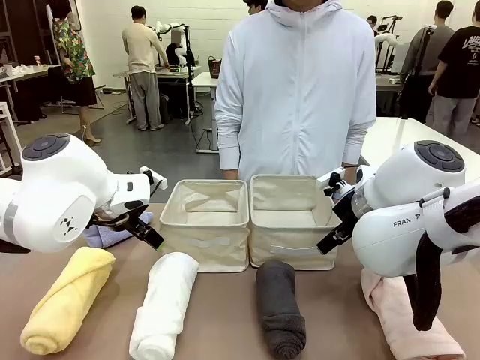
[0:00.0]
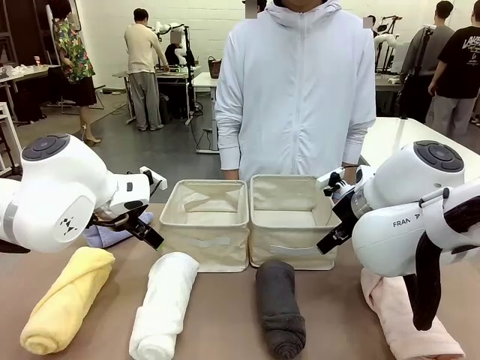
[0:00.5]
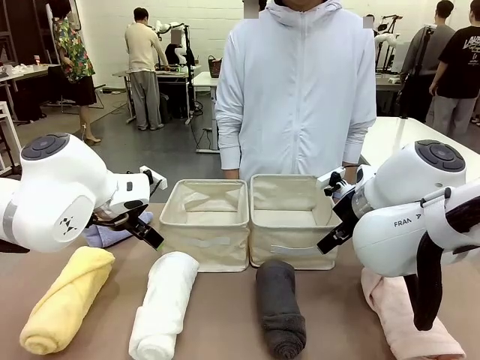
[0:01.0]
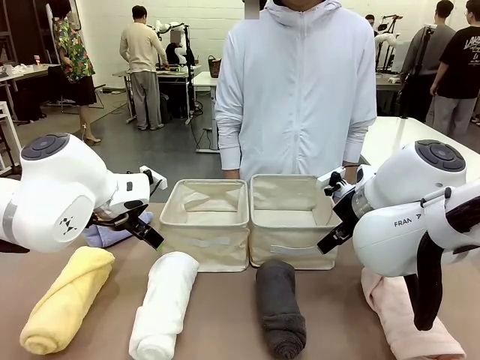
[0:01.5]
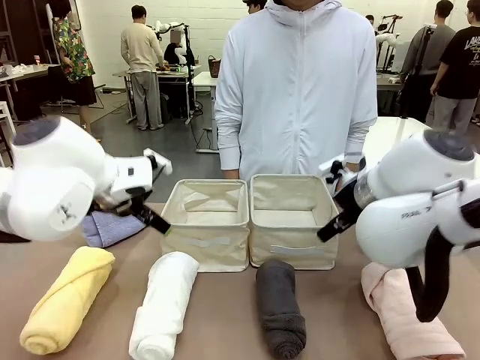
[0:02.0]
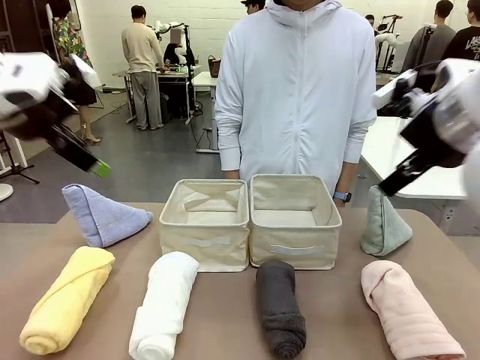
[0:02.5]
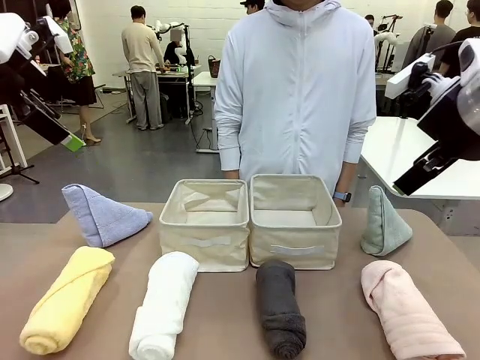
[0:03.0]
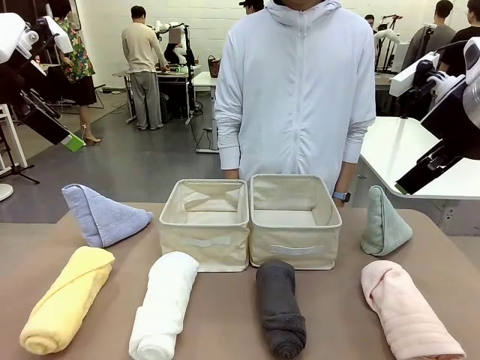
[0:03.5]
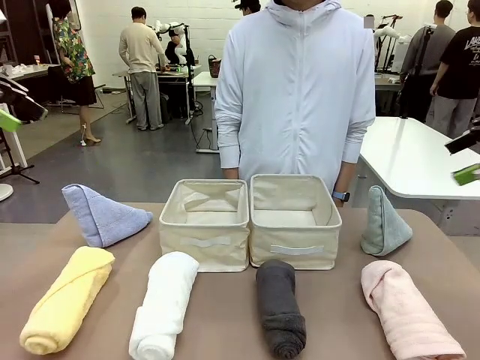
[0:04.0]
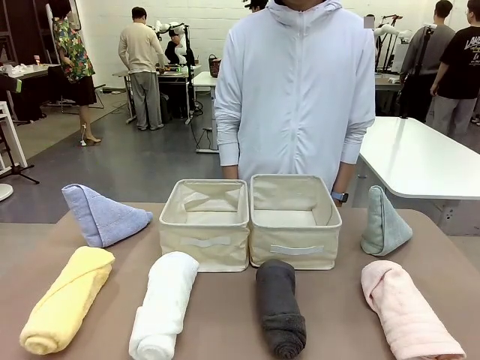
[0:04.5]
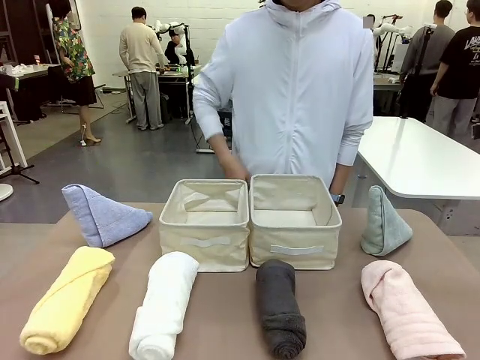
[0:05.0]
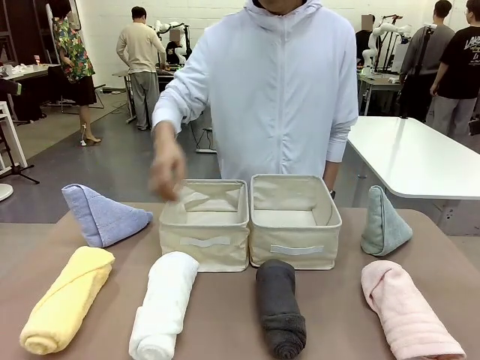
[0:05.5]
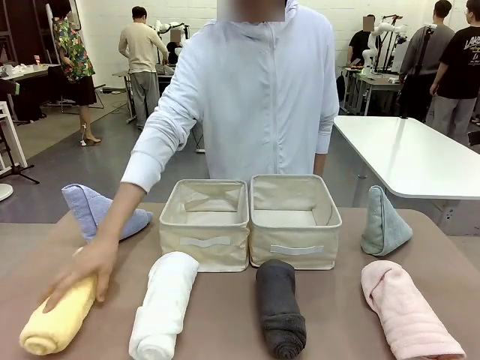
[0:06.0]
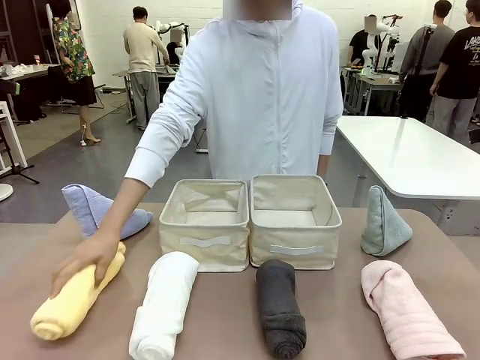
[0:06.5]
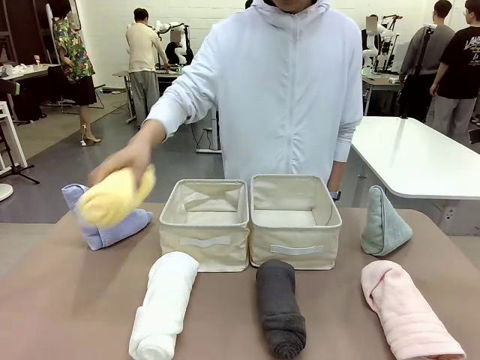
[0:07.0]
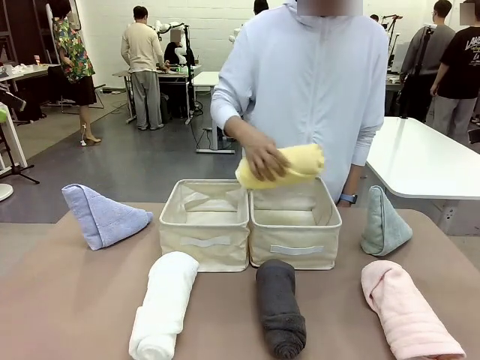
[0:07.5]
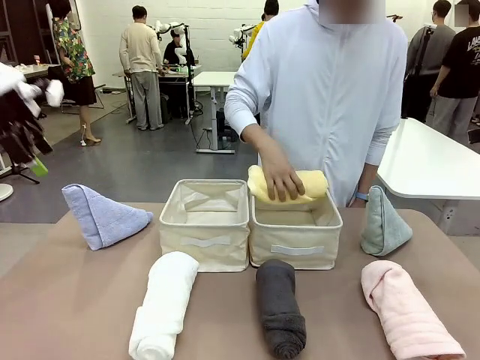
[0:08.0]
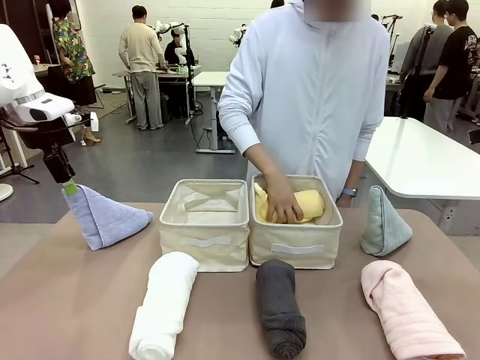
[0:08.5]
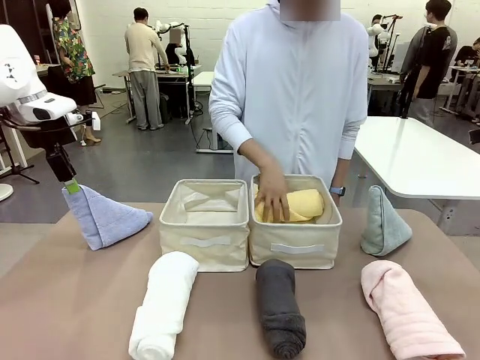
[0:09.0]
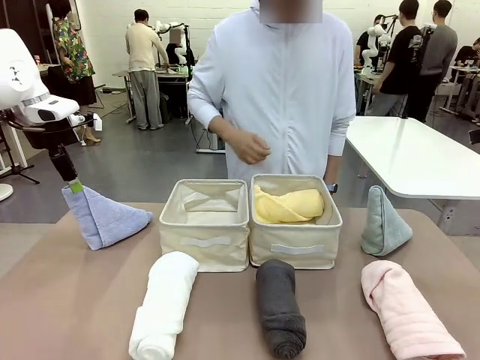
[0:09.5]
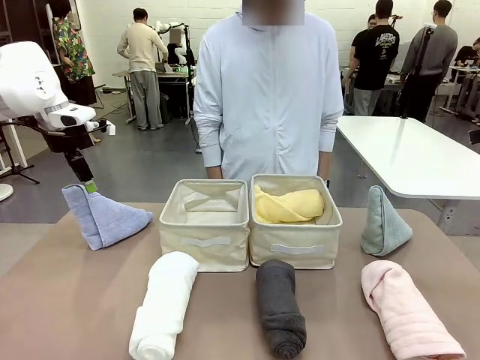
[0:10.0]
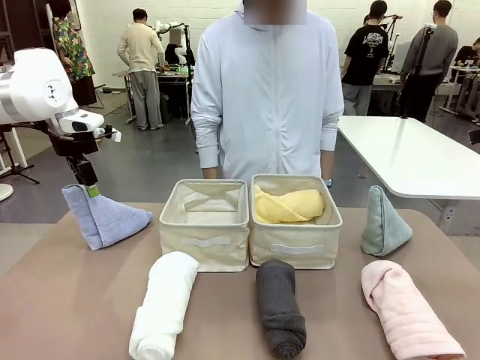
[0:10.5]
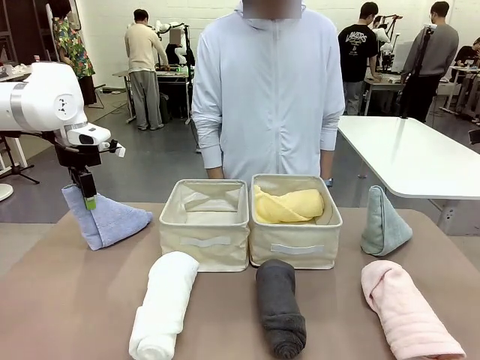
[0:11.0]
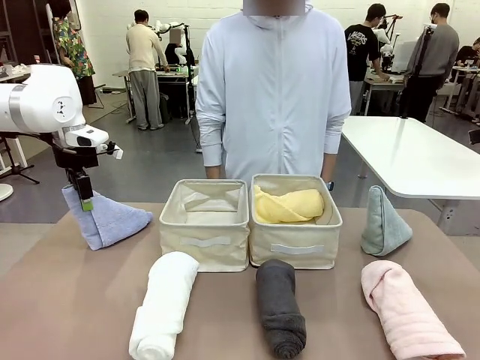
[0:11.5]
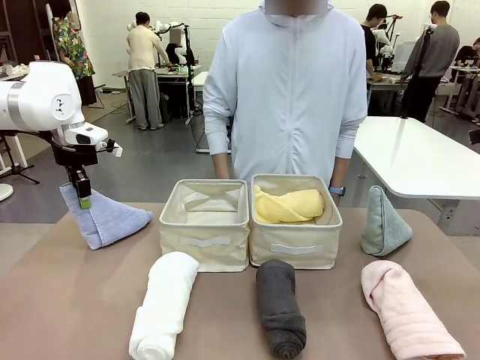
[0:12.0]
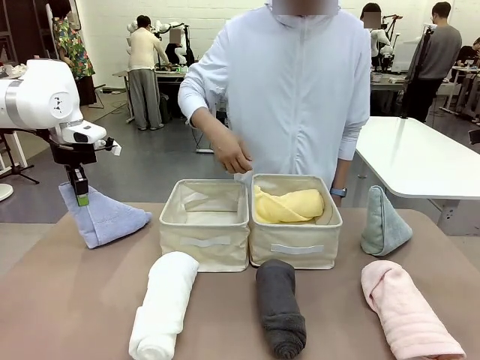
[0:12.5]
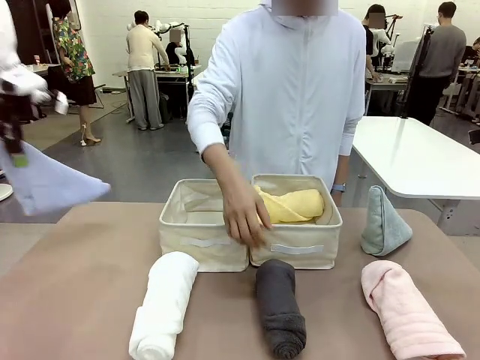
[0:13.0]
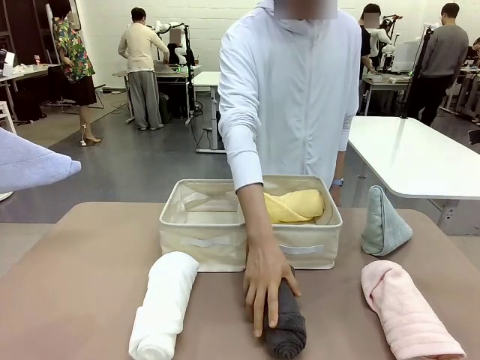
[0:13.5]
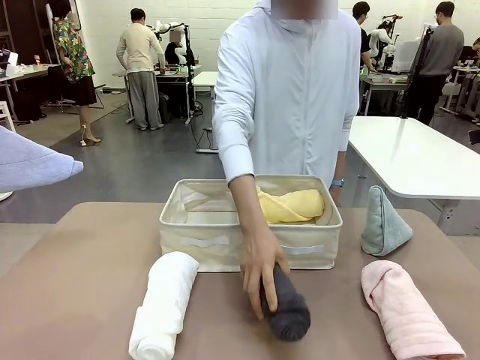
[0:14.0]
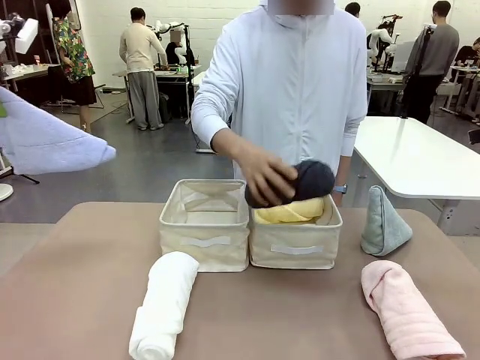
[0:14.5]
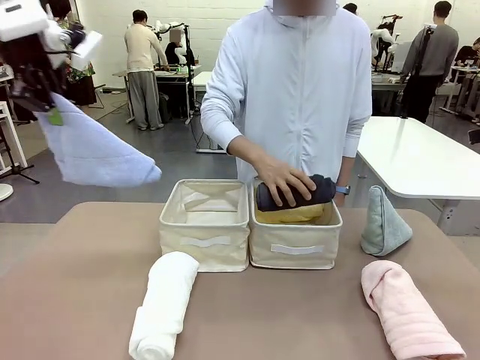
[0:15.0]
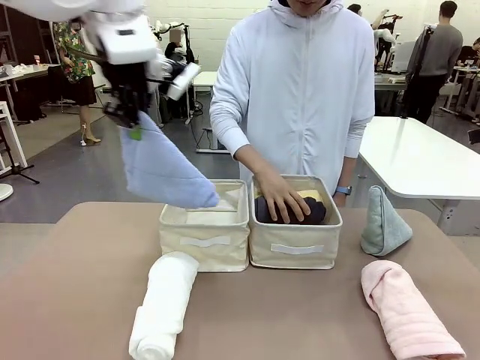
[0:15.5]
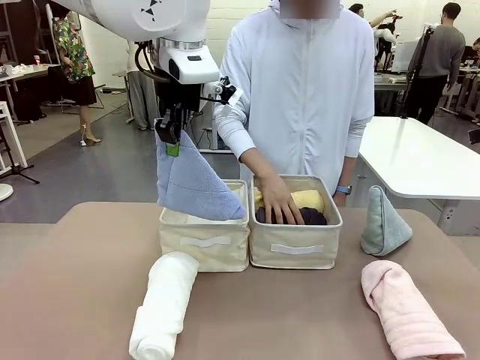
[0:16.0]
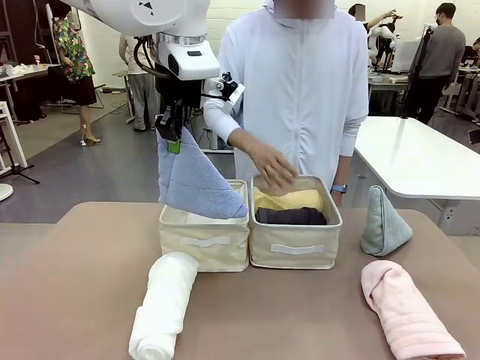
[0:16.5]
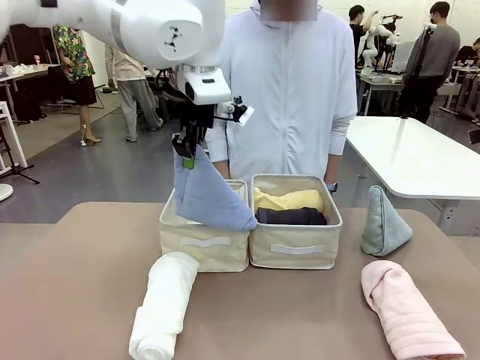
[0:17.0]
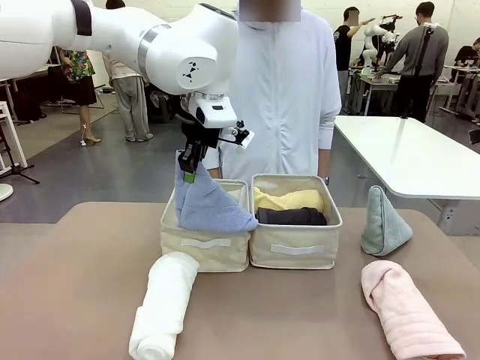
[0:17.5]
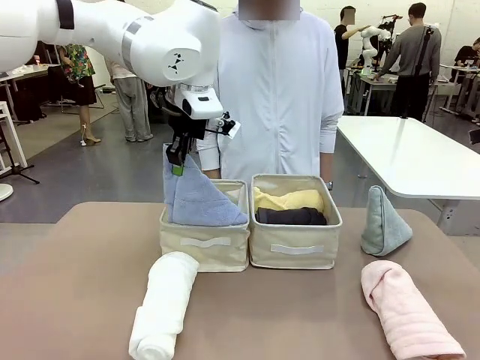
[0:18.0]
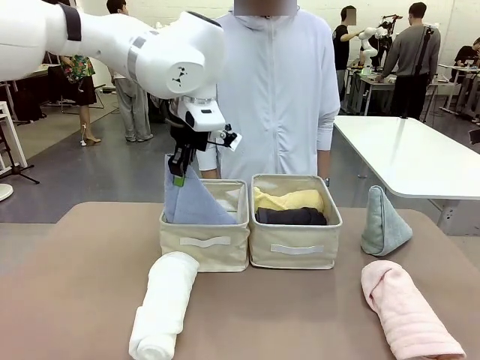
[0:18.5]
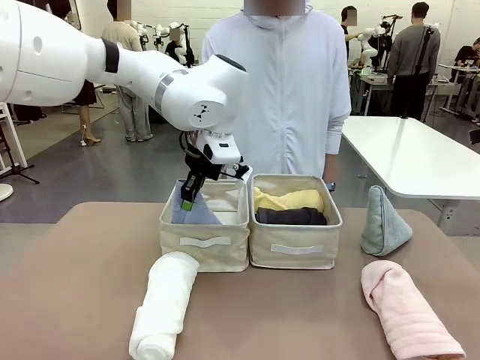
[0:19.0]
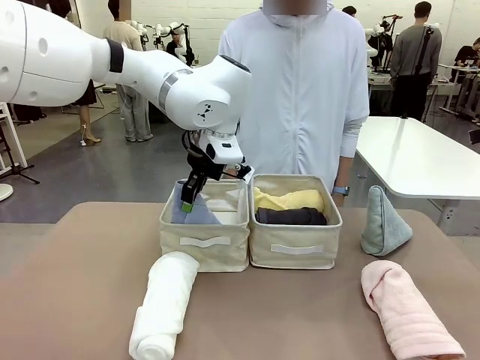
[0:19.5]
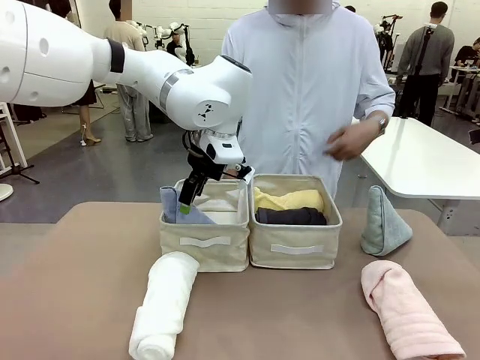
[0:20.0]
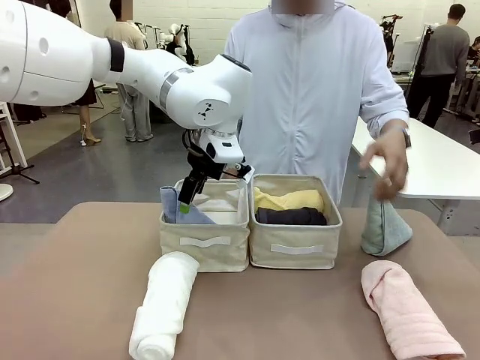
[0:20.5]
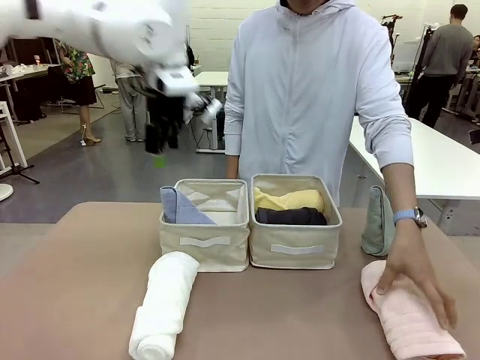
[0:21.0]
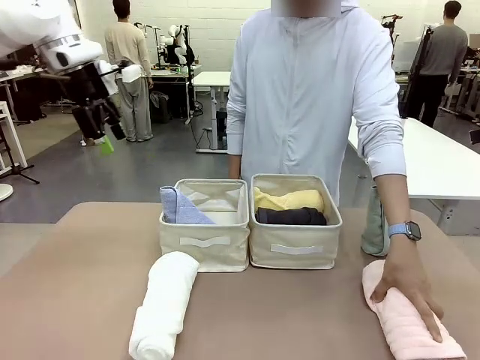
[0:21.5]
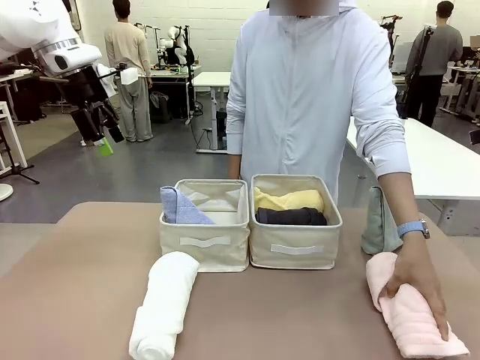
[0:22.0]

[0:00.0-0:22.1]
Task: Sort the towels based on their folding style.
Robot: Pick up one triangle-folded towel and place it in the left Fabric basket.
Person: Pick up one hotel-style rolled towel and place it in the left fabric basket.

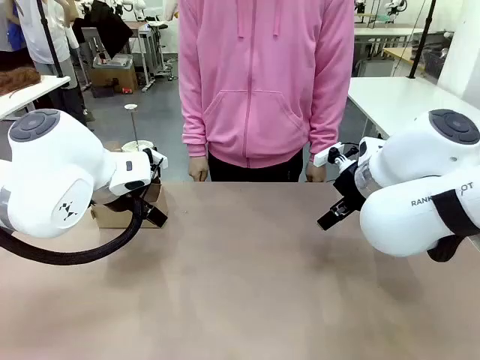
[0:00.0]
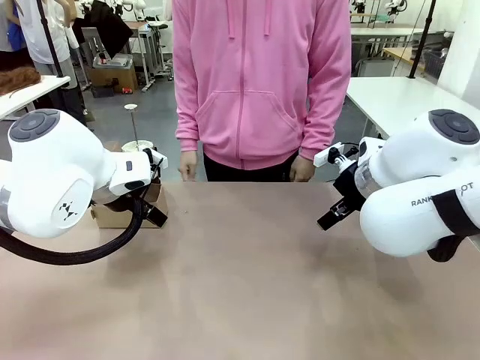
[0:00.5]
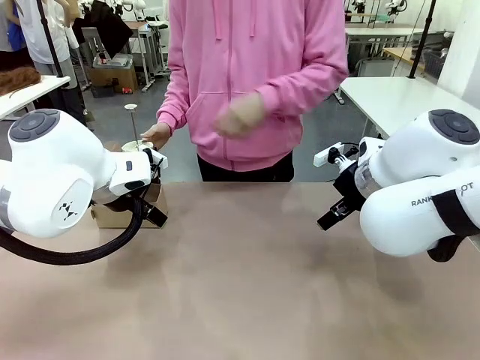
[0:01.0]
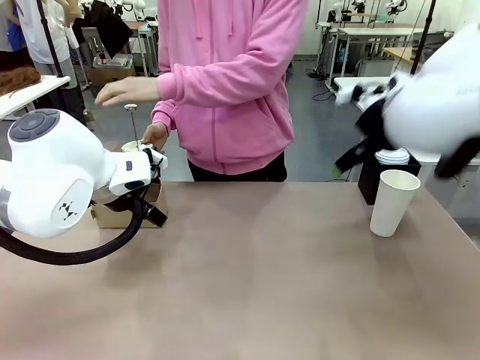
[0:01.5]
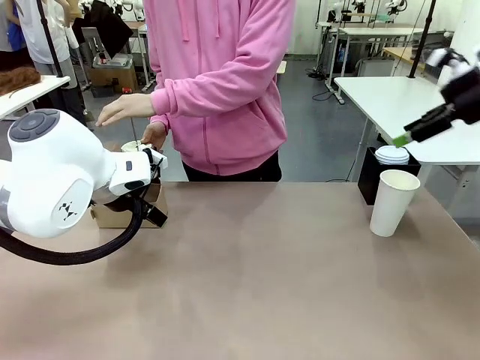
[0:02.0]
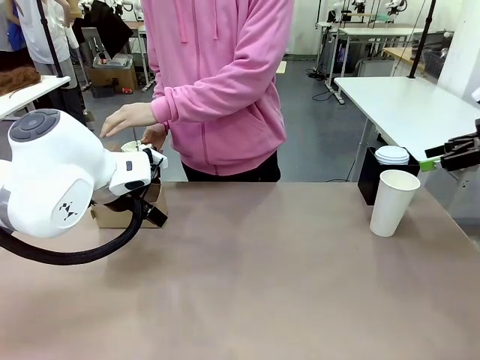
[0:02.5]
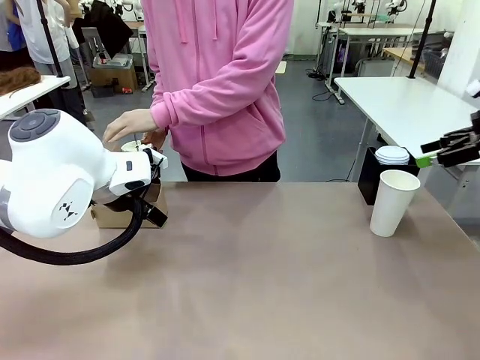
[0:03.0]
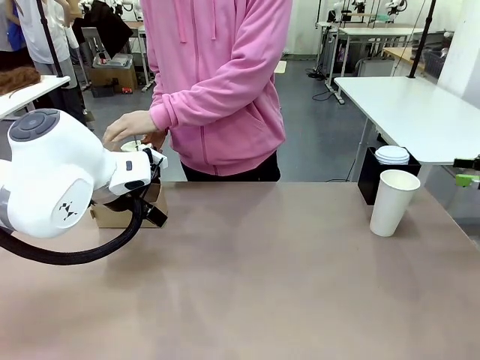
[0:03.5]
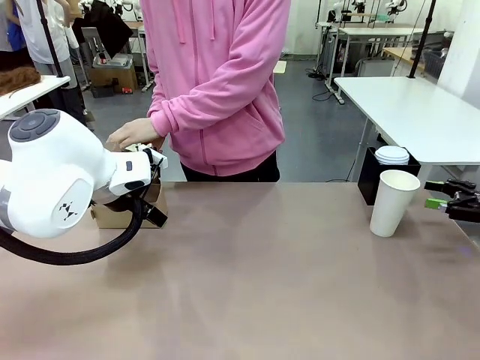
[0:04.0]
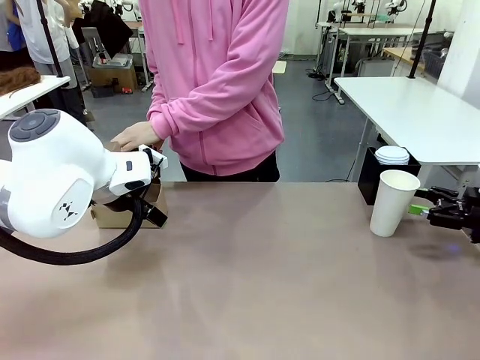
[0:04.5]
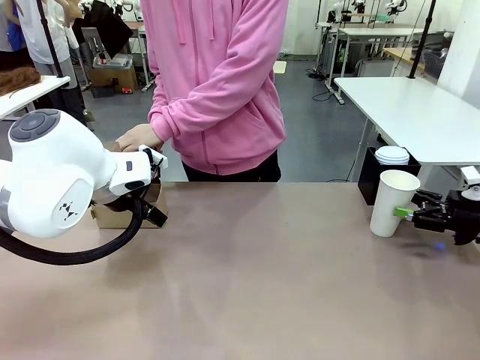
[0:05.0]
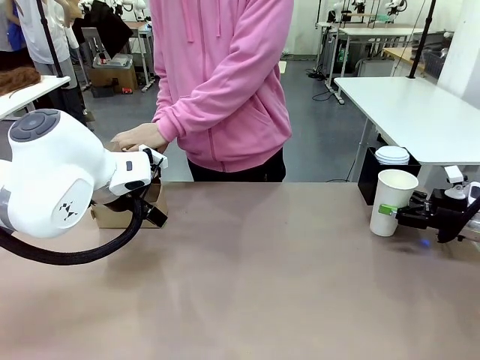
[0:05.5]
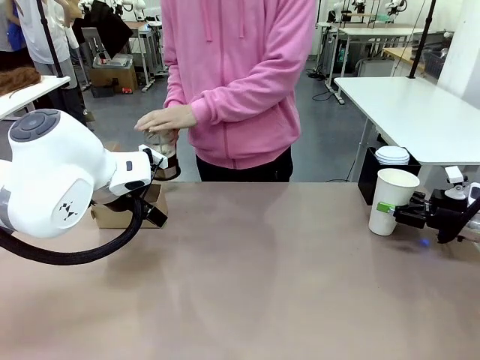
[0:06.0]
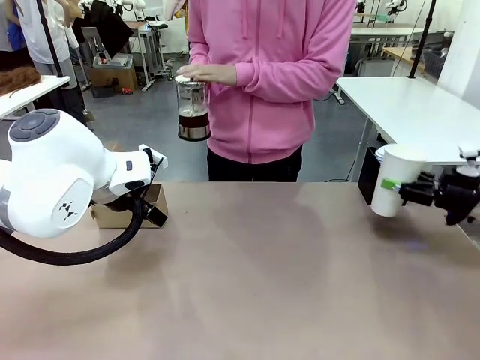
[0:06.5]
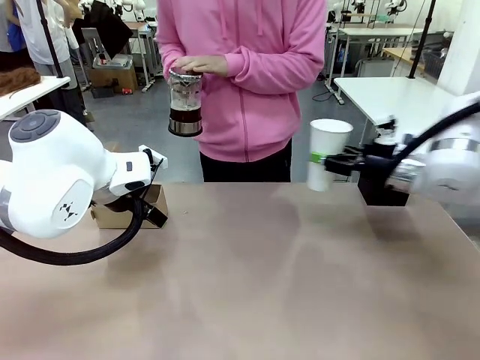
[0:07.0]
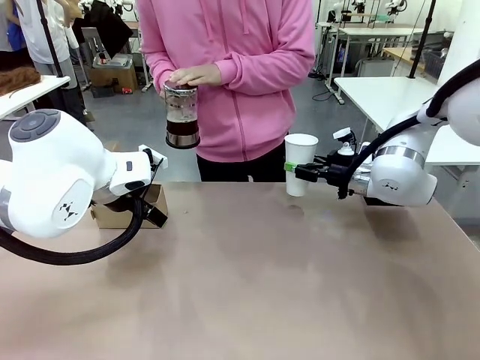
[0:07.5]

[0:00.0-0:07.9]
Task: Pour a drink into a cup and package it in a carrier.
Robot: Pick up the 600 ml Paper Cup and place it in the middle top area of the table.
Person: Press and pick up the Filter Brewing.
